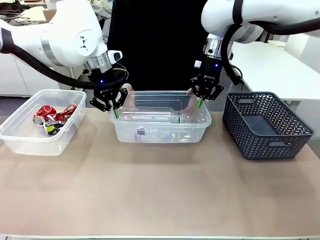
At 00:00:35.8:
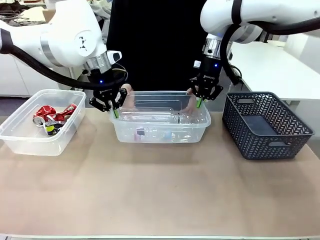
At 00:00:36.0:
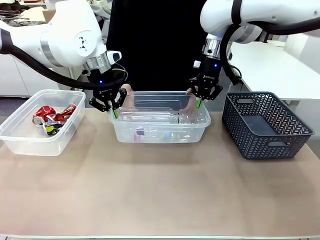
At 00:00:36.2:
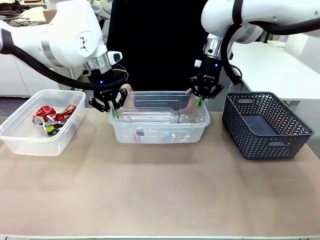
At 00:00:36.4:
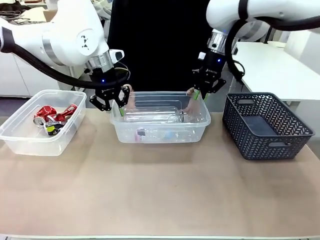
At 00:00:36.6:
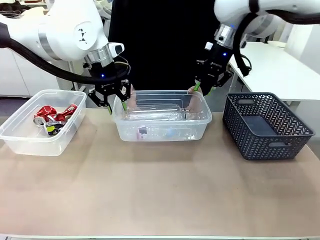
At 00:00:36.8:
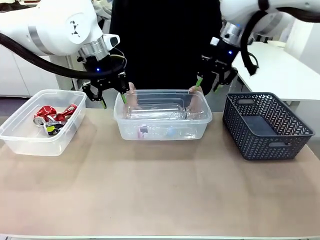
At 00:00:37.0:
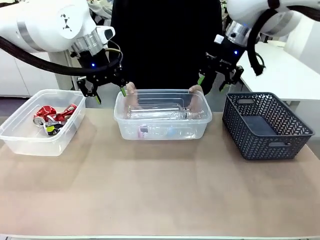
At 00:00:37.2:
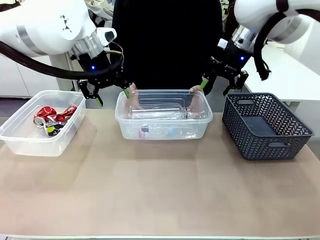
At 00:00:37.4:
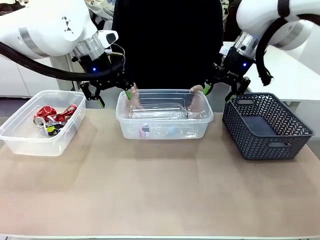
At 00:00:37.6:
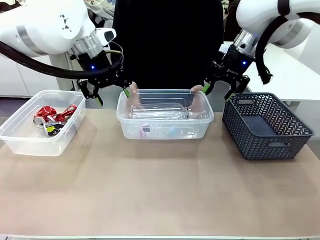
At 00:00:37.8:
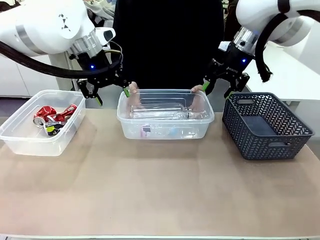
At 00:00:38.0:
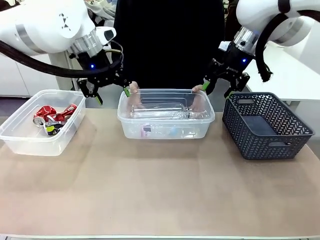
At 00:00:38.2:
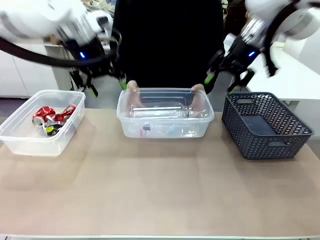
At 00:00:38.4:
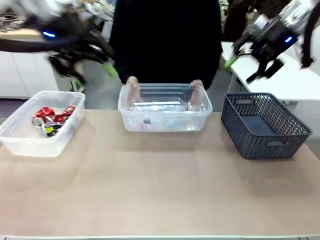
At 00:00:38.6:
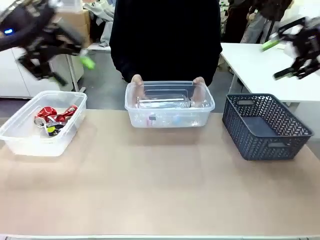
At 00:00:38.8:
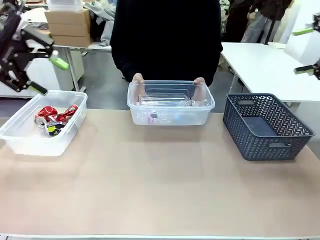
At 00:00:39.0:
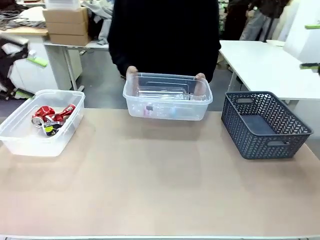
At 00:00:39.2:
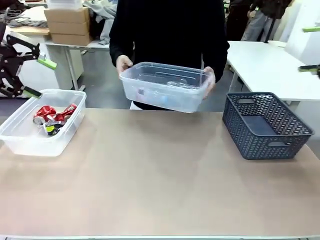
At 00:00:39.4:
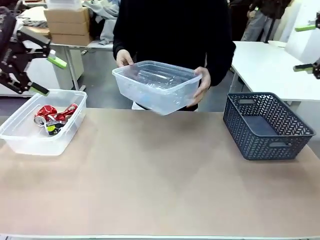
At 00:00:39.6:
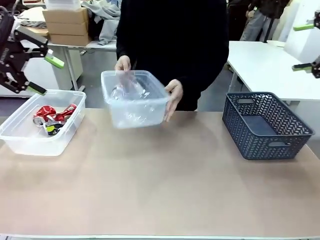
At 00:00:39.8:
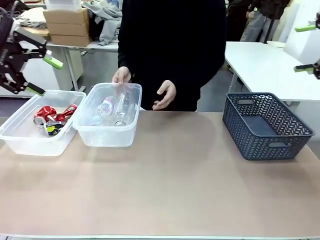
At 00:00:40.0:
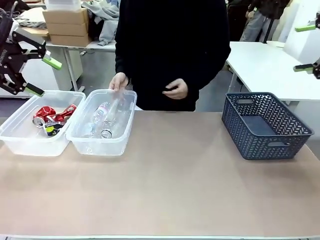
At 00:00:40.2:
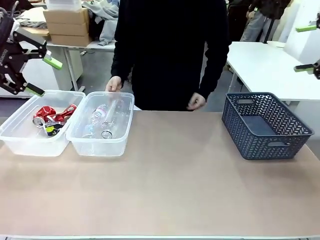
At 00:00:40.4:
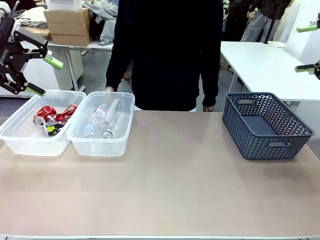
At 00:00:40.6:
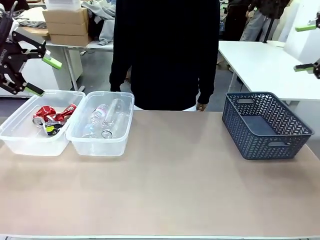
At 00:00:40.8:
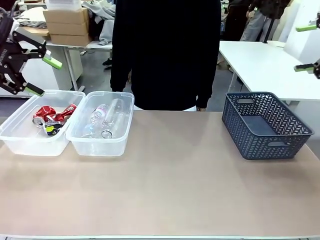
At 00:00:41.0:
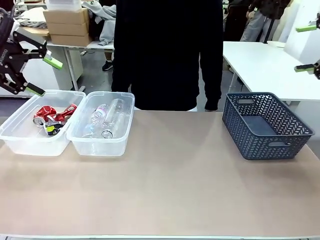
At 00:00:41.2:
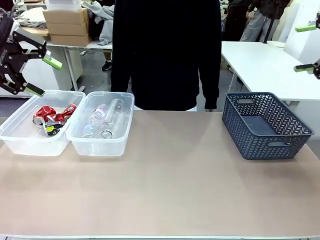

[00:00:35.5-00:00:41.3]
Robot: Release the Organizing box you were holding.
Person: Pick up the organizing box extended by the robot. Place the organizing box to the left of the sorting box containing the can waste.

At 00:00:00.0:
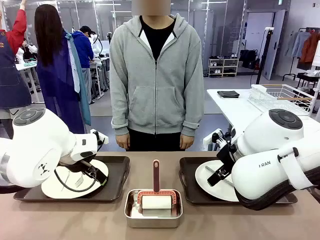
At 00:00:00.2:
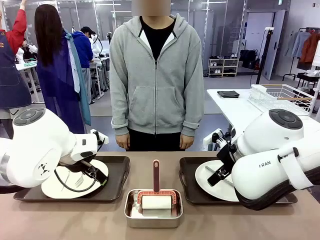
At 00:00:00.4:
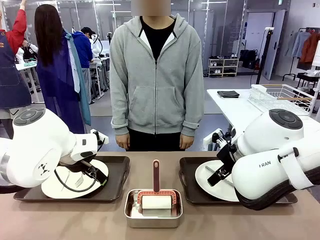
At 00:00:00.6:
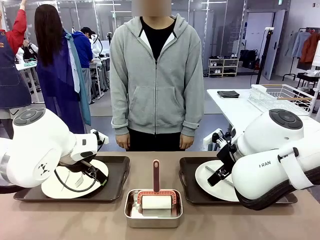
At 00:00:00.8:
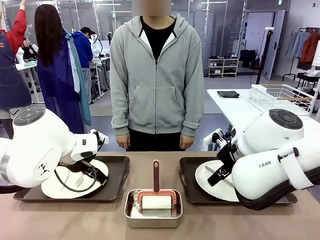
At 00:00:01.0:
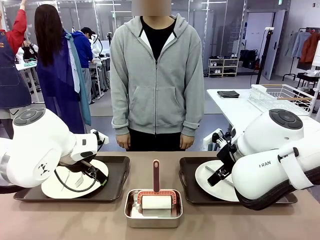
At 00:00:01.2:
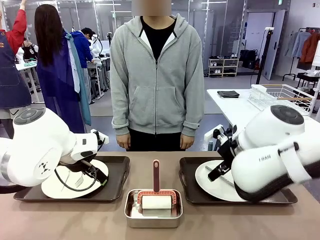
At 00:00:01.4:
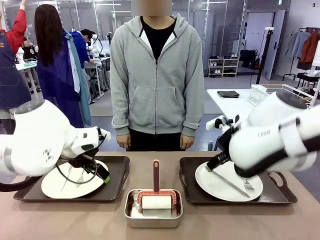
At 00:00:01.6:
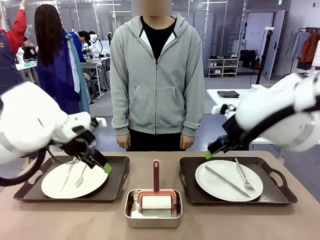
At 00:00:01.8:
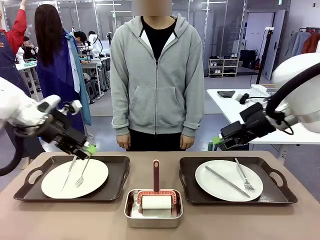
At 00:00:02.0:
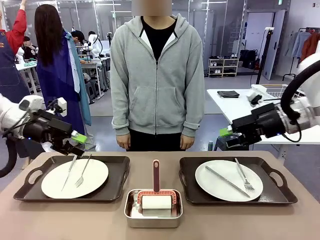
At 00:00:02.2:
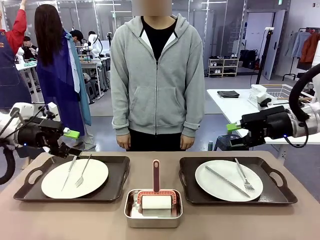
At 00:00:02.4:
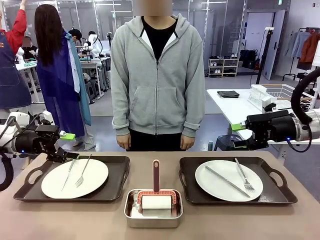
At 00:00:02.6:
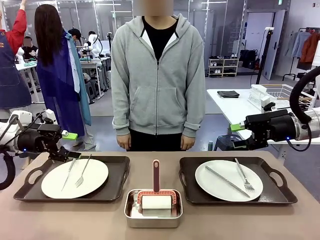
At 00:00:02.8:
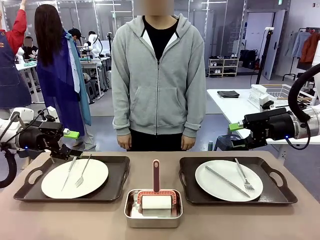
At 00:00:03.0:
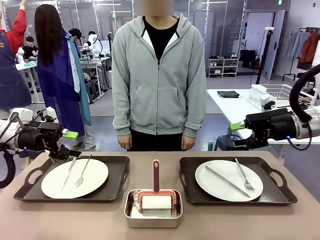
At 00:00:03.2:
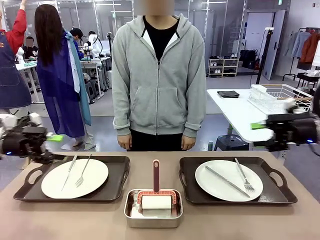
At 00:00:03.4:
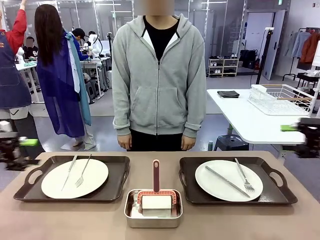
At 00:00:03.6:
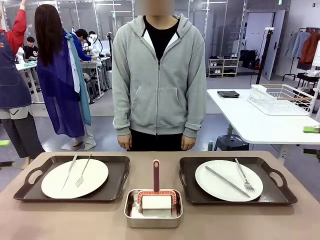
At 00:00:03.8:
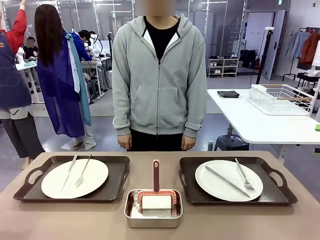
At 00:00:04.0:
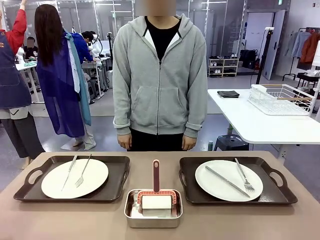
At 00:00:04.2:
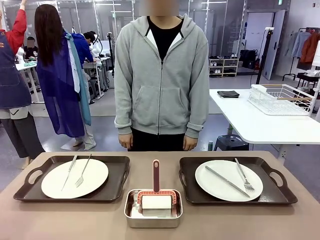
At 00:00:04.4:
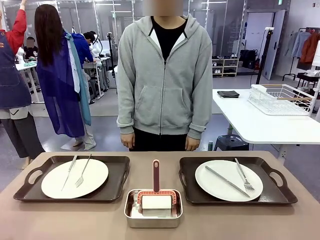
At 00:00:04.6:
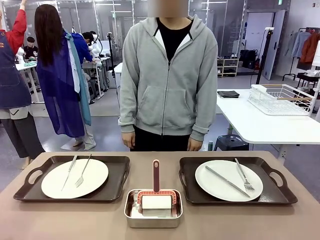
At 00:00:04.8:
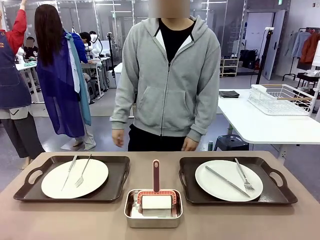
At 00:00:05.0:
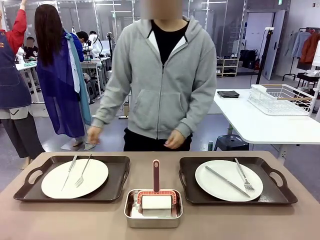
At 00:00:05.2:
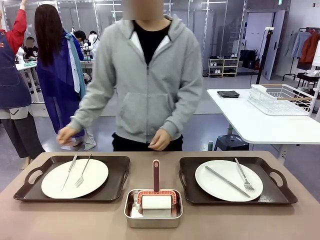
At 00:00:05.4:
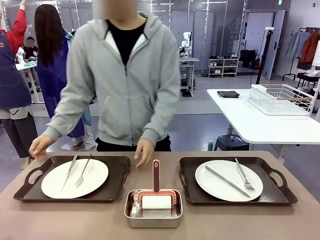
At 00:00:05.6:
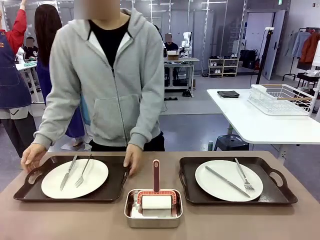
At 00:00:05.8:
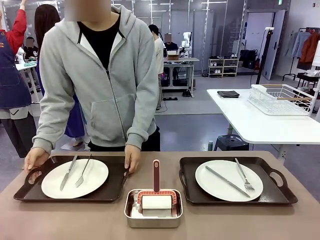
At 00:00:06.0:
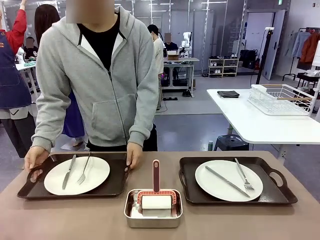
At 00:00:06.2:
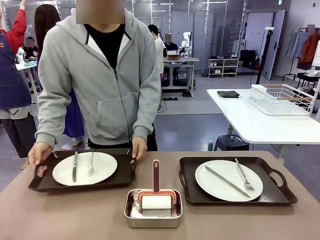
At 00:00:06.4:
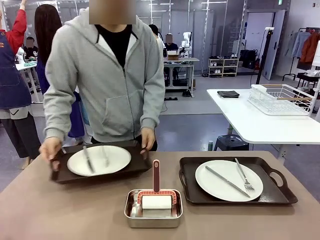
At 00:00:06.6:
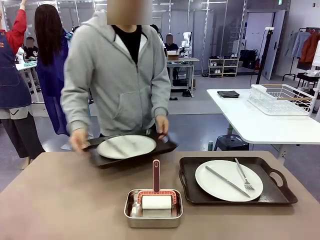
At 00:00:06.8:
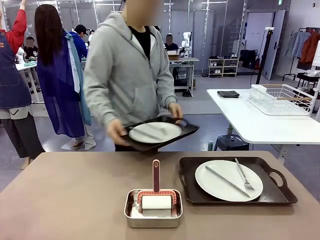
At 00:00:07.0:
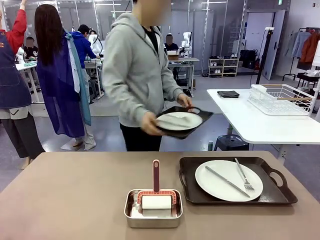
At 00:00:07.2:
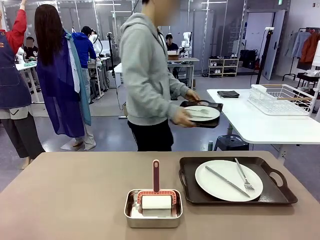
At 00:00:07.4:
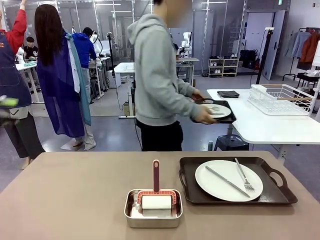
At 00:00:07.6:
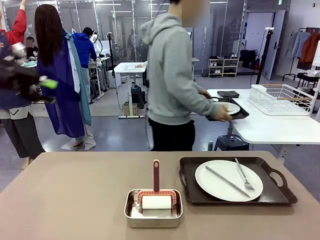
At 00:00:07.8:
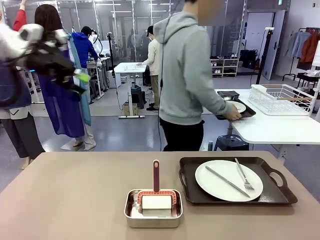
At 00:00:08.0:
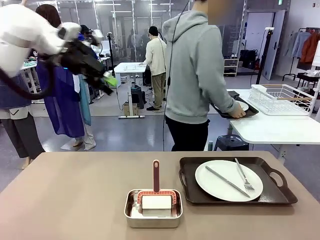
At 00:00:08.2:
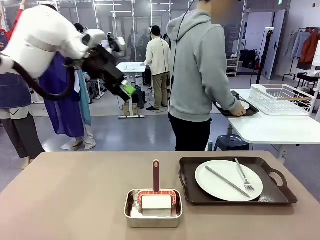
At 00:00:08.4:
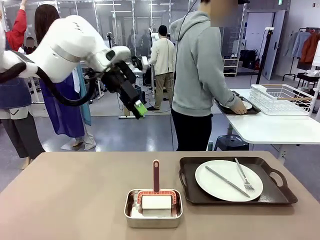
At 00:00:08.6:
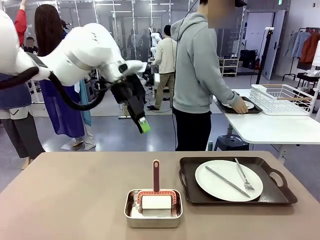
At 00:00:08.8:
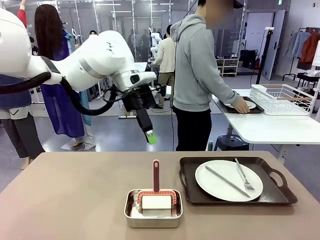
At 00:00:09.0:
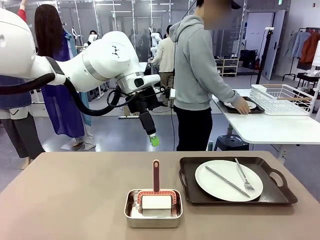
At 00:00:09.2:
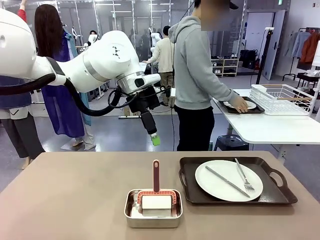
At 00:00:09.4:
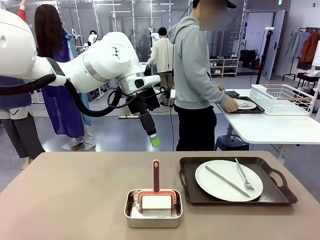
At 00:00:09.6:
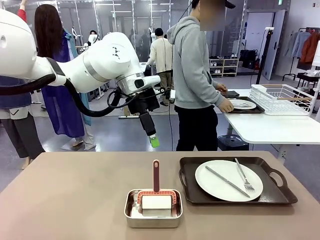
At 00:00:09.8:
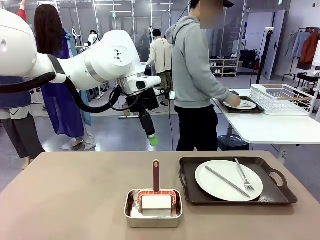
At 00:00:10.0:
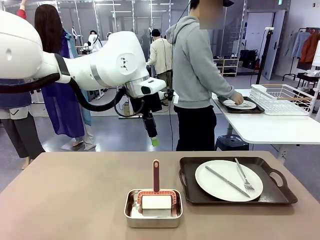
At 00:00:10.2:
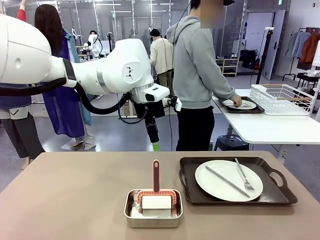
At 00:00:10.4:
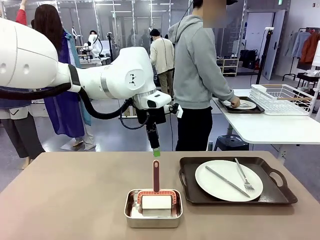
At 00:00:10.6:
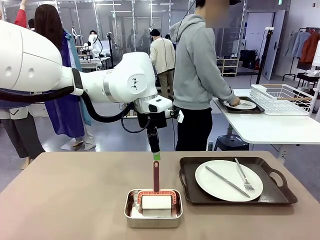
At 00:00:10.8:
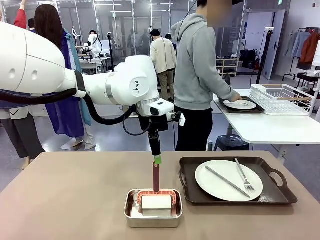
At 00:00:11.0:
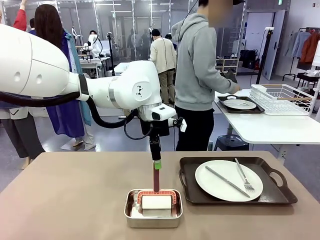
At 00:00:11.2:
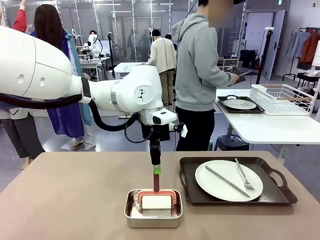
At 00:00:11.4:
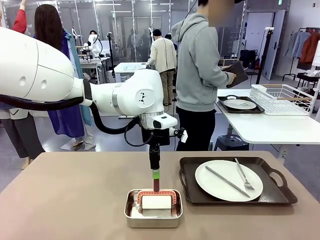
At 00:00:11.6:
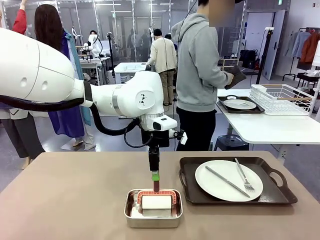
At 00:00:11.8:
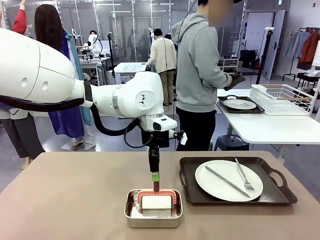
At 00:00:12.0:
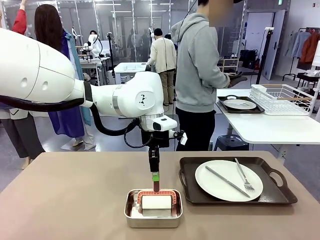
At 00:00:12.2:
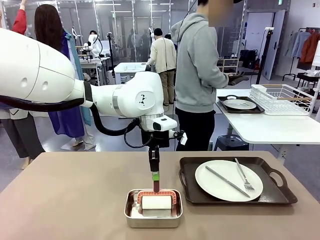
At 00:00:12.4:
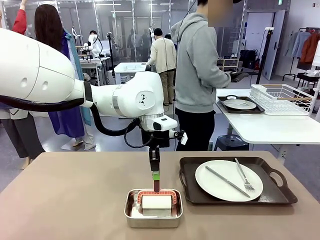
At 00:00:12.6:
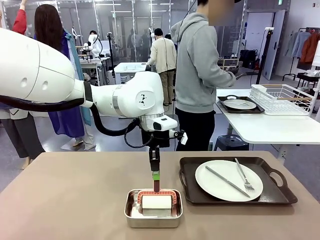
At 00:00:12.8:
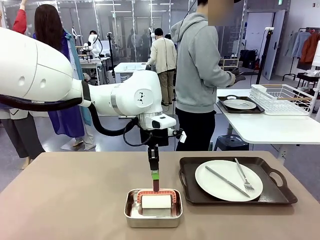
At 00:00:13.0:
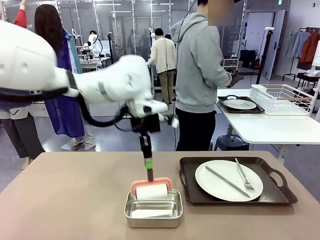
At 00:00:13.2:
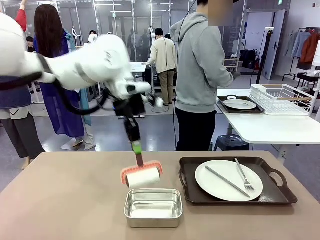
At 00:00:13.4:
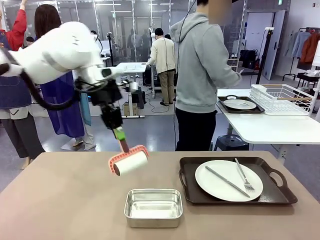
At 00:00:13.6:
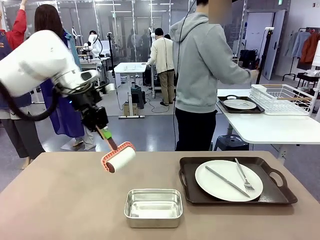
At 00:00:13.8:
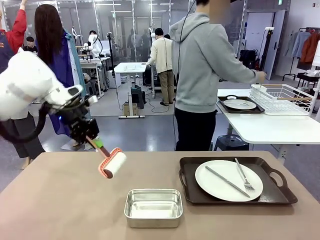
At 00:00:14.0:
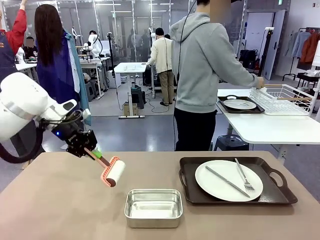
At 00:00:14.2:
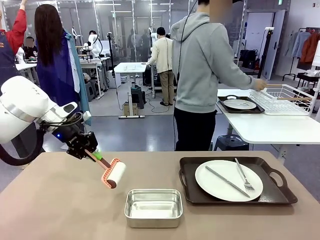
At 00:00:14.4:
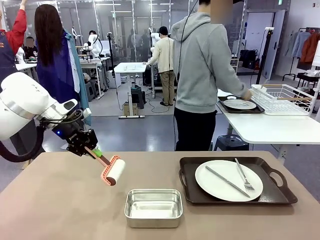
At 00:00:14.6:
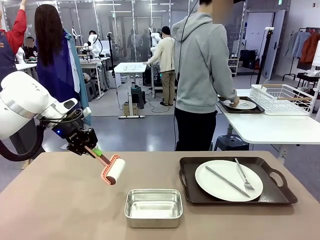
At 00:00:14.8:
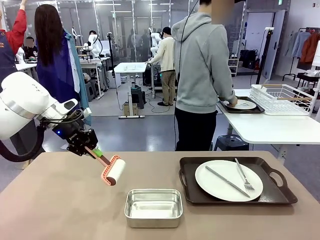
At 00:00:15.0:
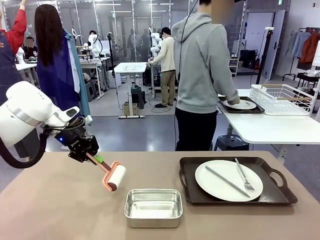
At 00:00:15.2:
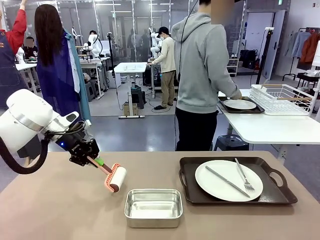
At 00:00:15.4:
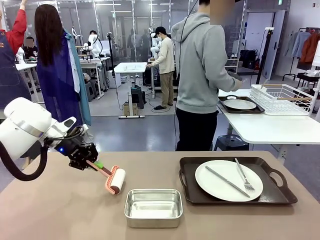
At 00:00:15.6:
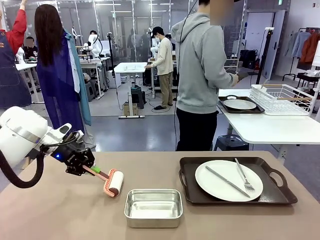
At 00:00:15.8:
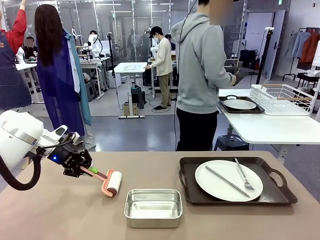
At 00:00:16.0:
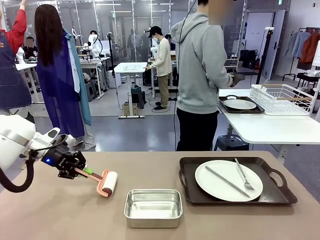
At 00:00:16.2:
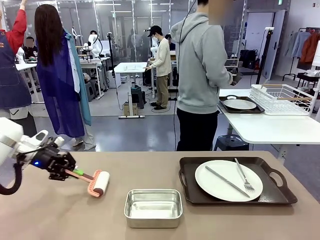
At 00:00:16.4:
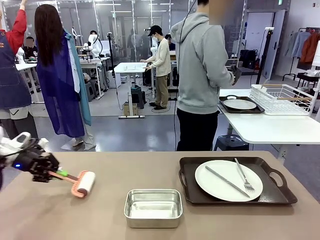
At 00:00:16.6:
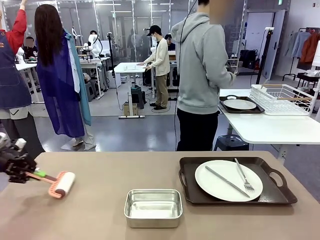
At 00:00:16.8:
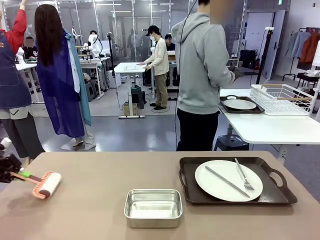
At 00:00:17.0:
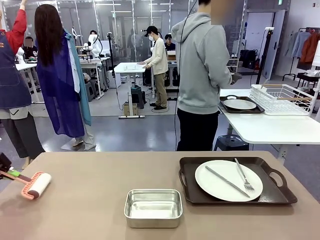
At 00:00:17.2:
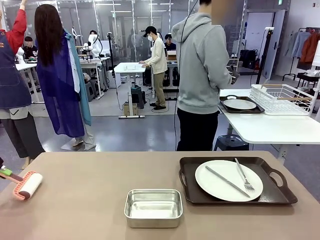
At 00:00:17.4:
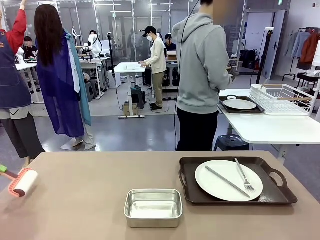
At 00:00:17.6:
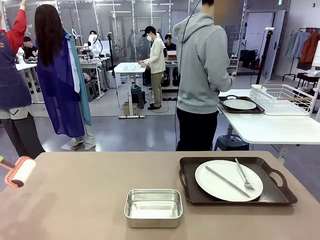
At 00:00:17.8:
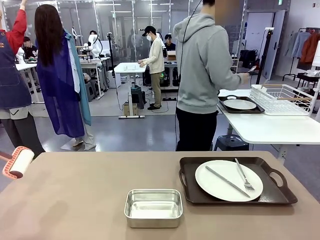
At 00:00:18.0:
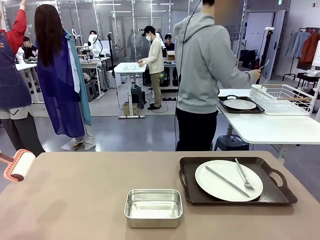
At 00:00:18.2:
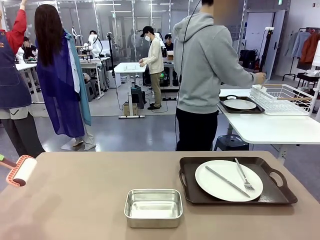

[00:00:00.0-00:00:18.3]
Robot: When the left (or right) Handle tray is removed, use the left hand (or right hand) to clean the left (or right) side of the table with the Lint Roller.
Person: Pick up the left (or right) Handle tray and place it on the middle of the Human's table. Use the Towel with hook to wipe the Plastic Matte Plate , Fork , and Knife and place into the Dish drying rack.
